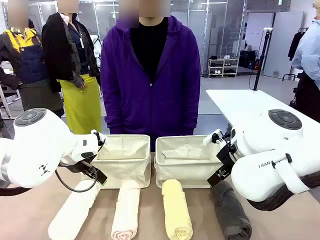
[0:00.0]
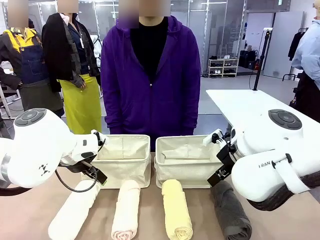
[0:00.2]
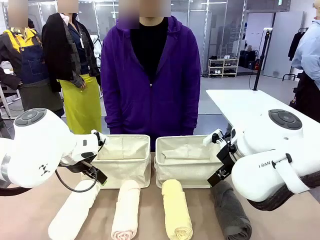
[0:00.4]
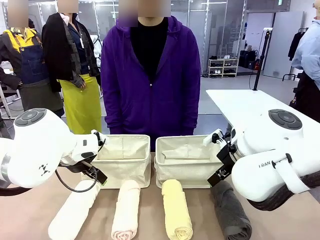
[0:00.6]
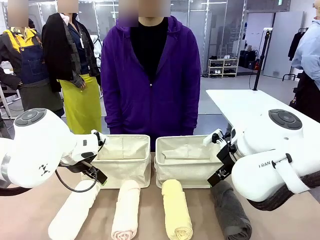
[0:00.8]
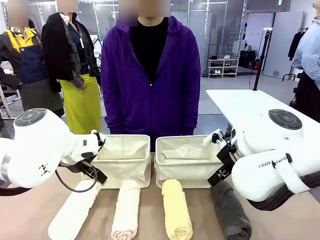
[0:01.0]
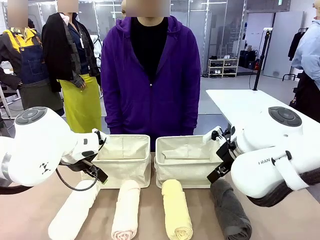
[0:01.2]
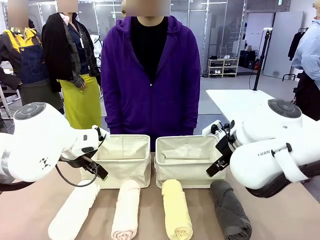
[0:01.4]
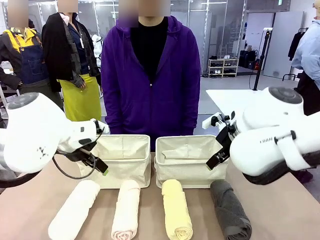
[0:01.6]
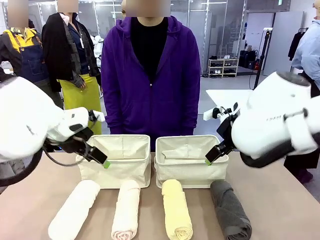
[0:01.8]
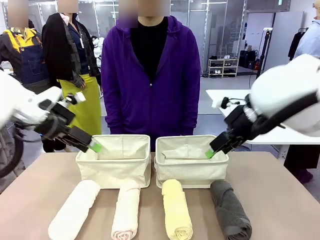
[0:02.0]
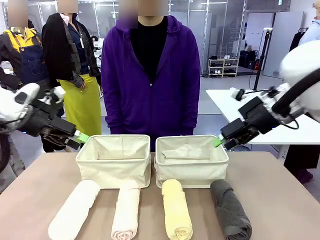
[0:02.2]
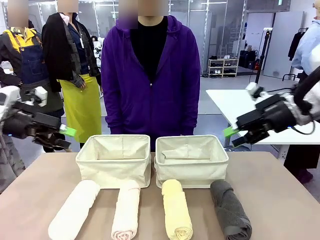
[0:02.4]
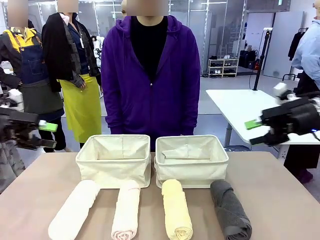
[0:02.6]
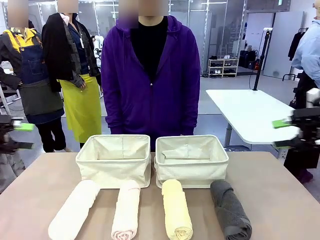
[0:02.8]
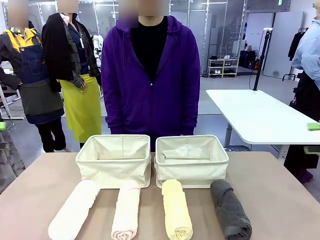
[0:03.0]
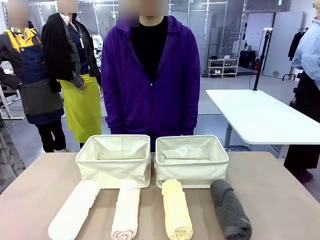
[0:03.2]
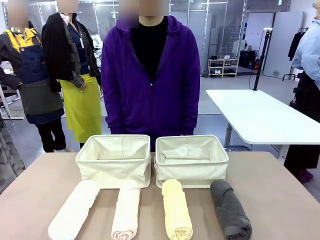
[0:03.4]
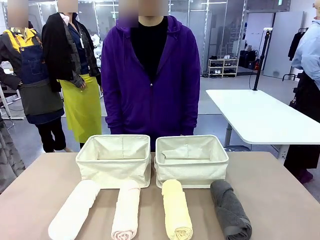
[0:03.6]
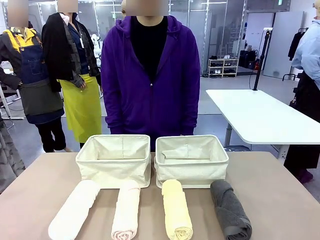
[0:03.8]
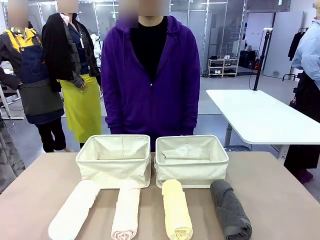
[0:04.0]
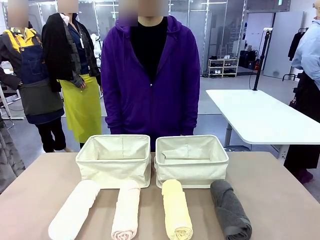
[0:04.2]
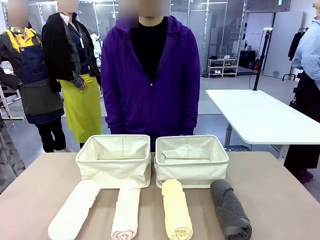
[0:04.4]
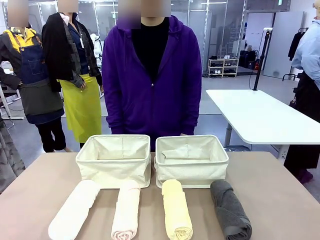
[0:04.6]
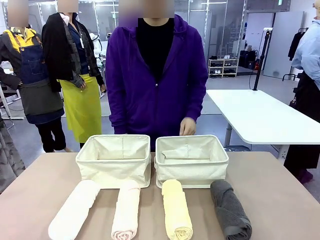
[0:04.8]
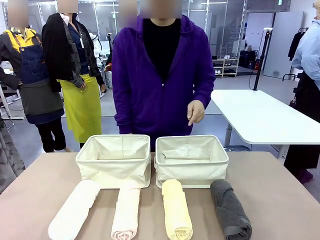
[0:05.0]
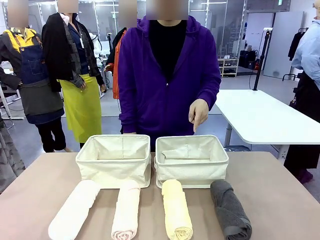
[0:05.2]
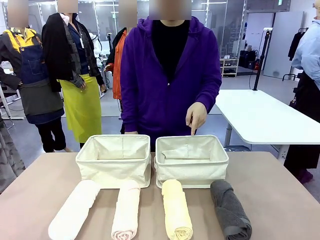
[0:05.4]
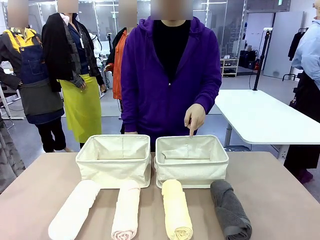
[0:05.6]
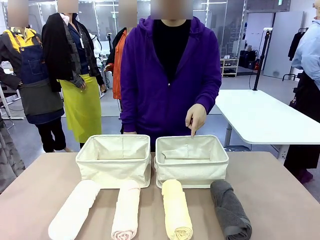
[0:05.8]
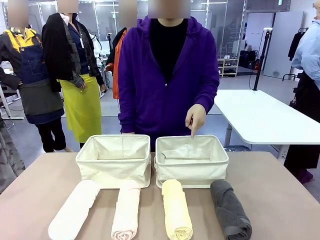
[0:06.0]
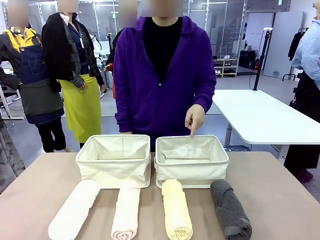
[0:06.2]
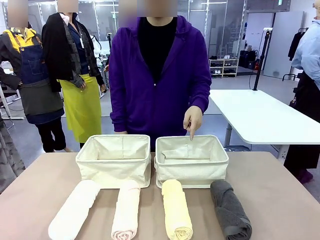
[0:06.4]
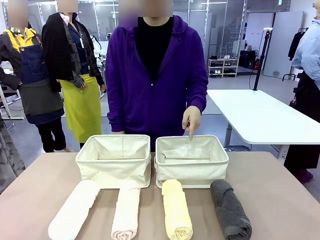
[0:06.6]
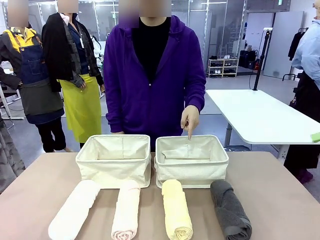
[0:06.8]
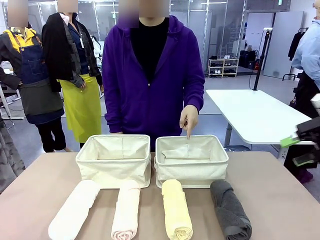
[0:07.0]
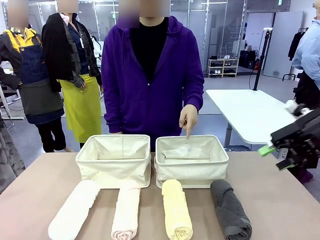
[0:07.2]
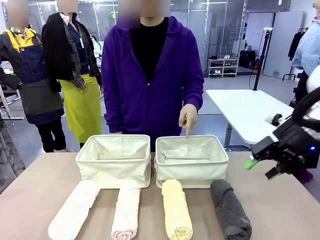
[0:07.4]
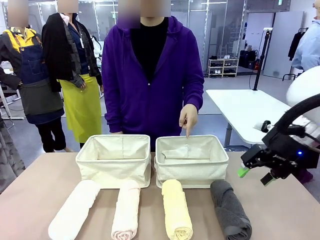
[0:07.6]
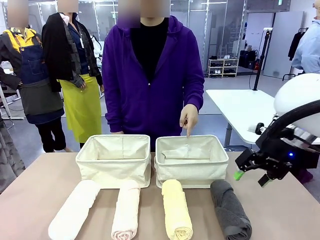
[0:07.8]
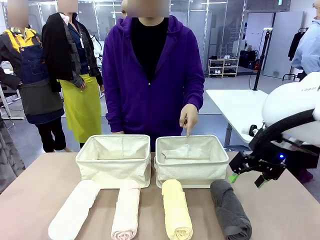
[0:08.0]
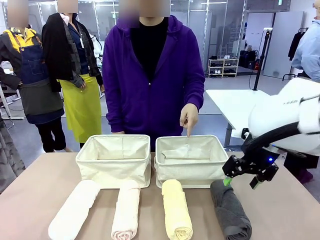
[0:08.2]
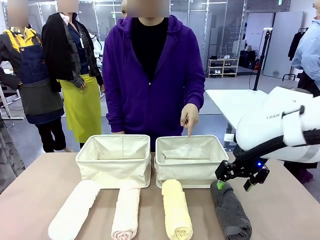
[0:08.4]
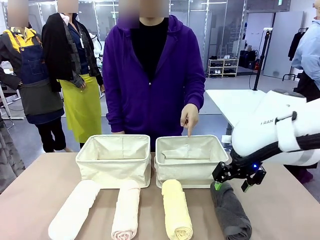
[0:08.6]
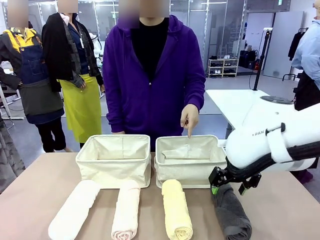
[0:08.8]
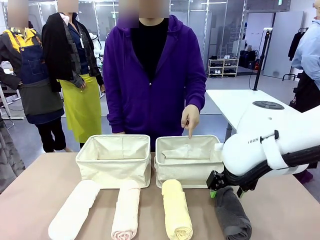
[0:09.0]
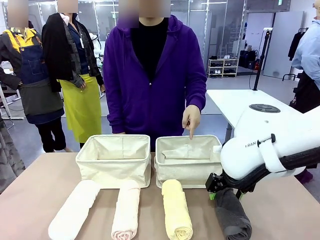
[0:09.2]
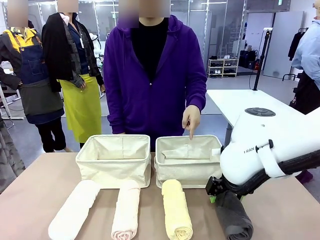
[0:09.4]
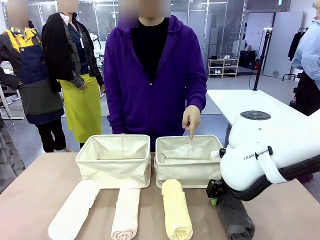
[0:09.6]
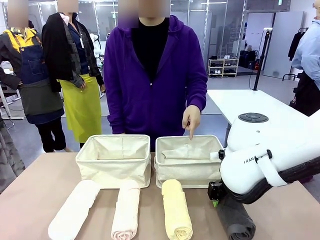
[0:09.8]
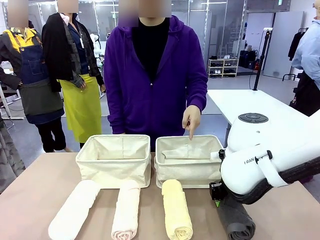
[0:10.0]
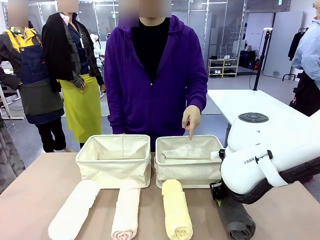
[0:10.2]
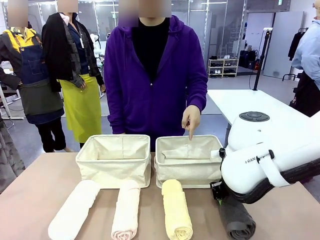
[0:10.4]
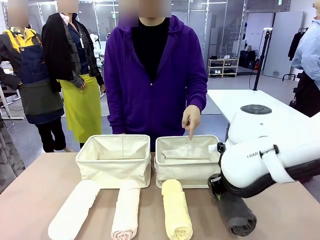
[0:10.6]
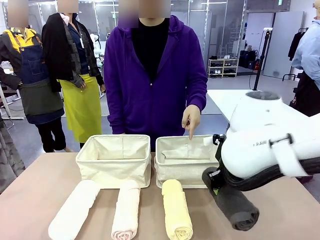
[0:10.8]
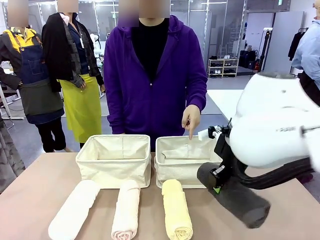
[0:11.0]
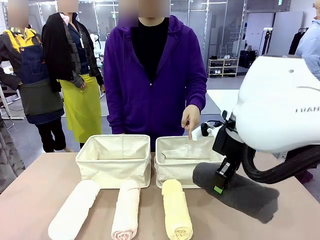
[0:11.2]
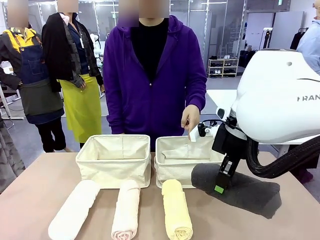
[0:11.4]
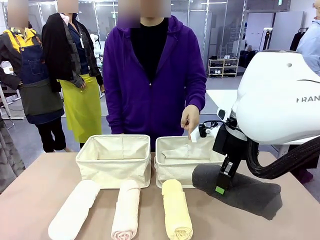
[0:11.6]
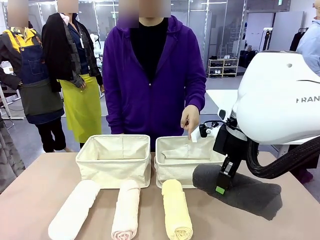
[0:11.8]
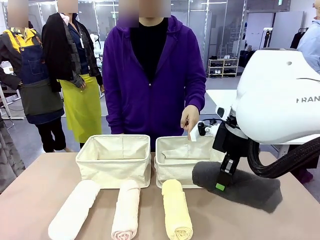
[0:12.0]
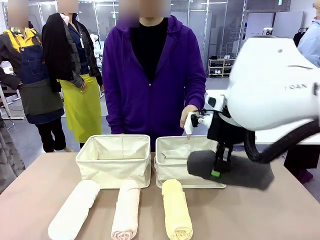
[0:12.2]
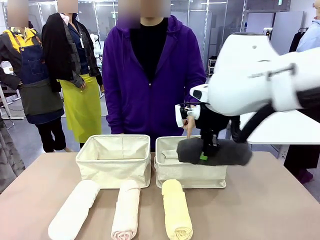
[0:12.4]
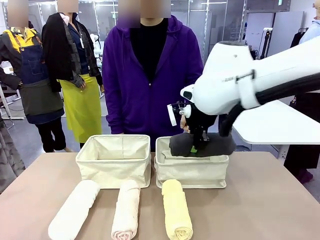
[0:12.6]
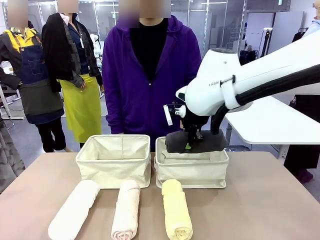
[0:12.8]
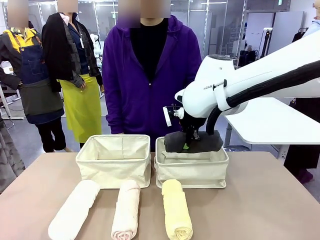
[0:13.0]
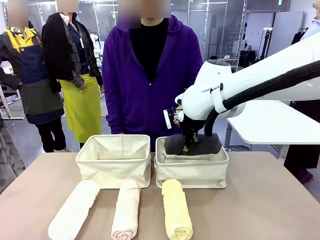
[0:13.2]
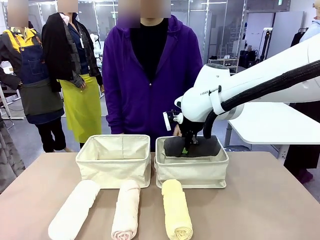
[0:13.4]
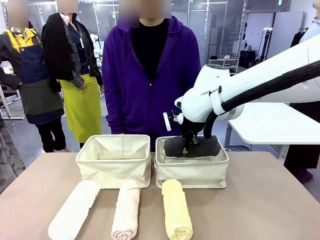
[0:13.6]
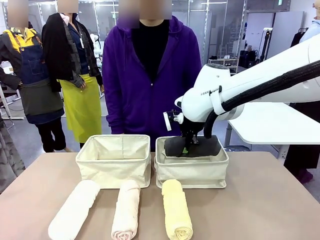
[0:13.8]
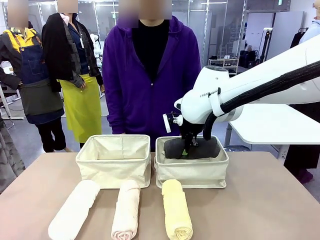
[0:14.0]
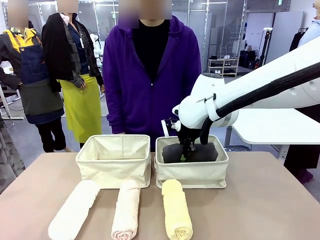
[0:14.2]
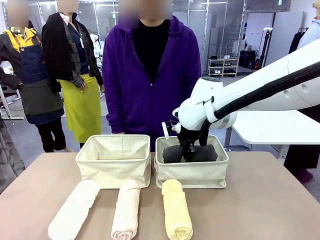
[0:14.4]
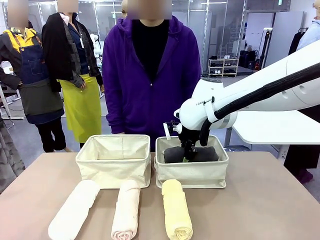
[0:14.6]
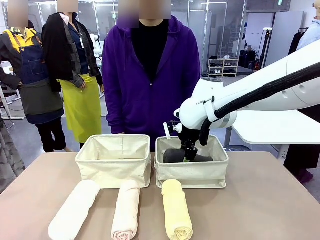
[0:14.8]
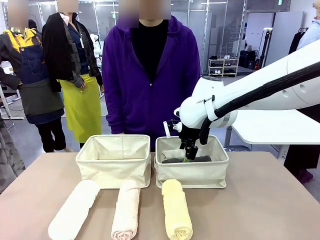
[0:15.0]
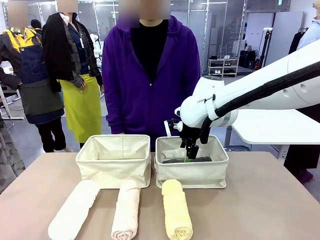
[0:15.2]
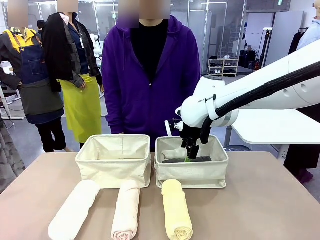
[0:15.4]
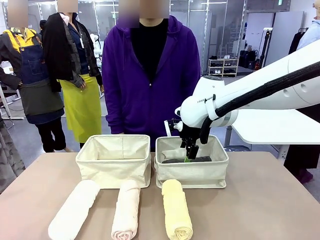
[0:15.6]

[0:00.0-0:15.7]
Task: Divide the towels into two baskets.
Robot: Pick up one hotel-folded towel and place it in the Fabric basket indicated by the person.
